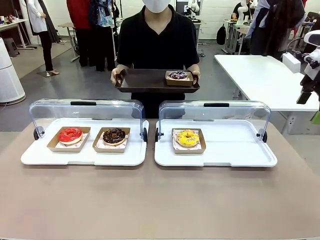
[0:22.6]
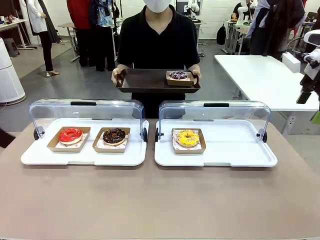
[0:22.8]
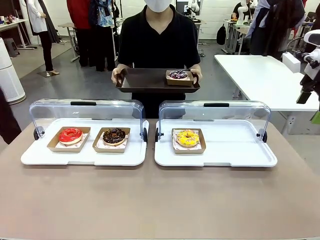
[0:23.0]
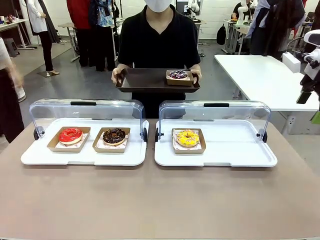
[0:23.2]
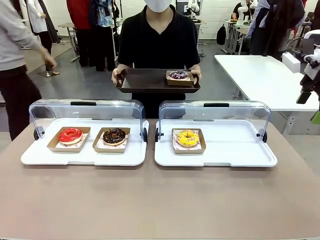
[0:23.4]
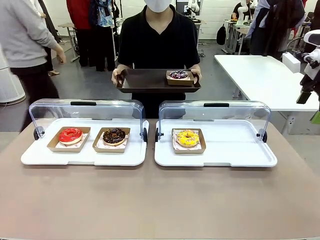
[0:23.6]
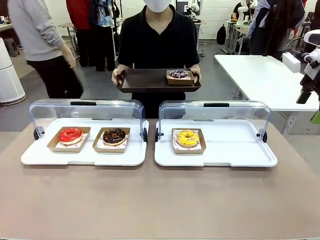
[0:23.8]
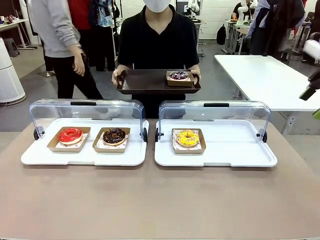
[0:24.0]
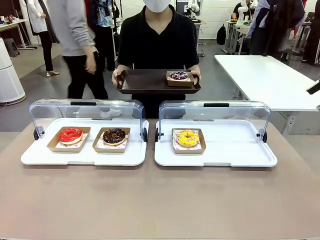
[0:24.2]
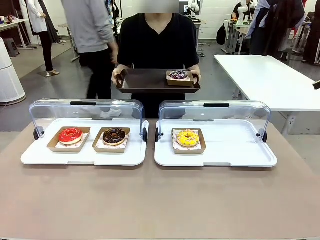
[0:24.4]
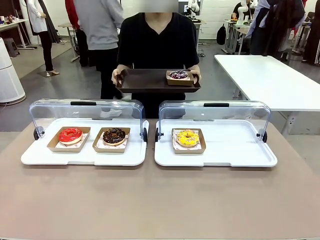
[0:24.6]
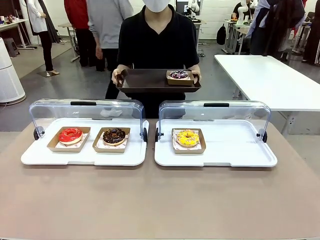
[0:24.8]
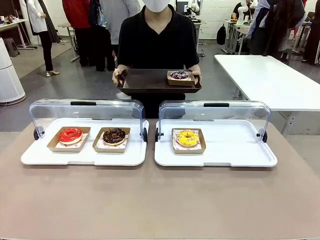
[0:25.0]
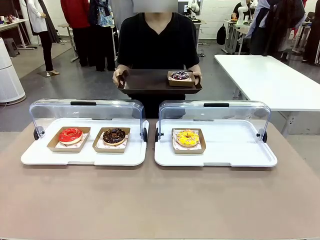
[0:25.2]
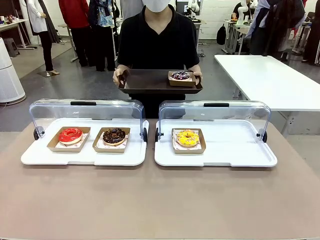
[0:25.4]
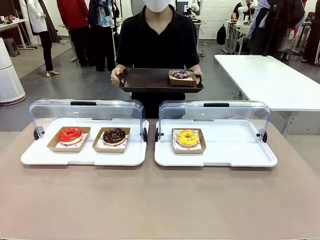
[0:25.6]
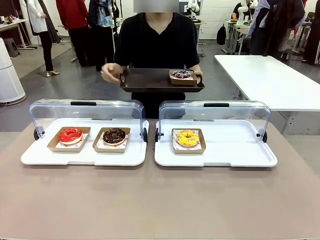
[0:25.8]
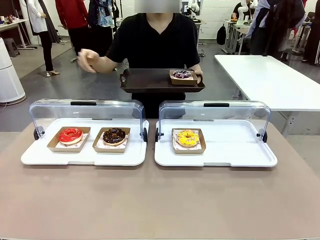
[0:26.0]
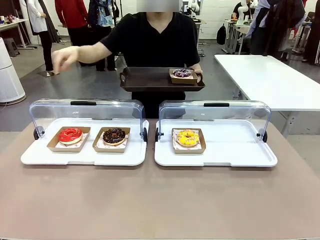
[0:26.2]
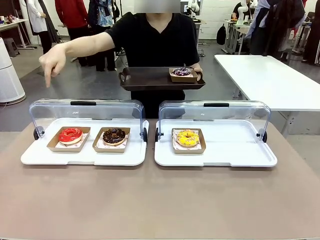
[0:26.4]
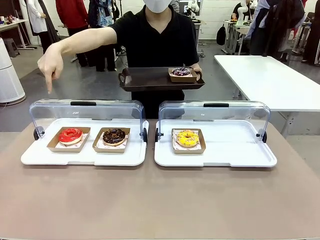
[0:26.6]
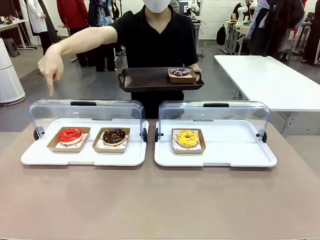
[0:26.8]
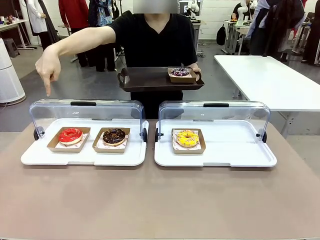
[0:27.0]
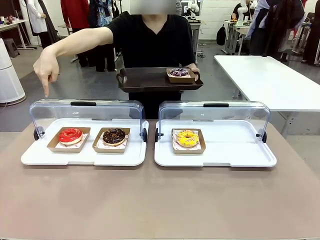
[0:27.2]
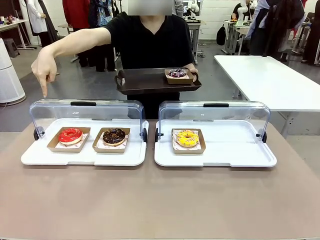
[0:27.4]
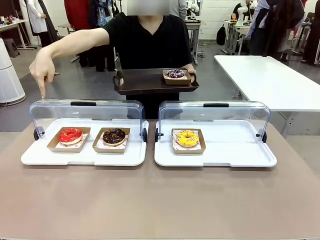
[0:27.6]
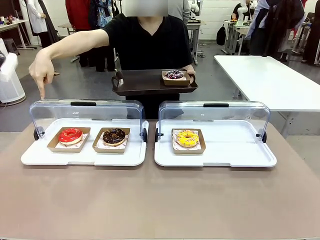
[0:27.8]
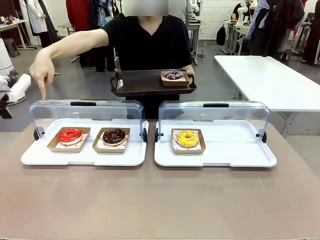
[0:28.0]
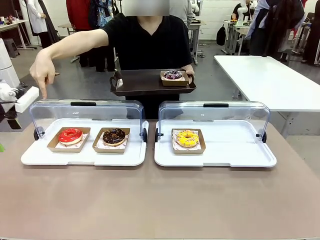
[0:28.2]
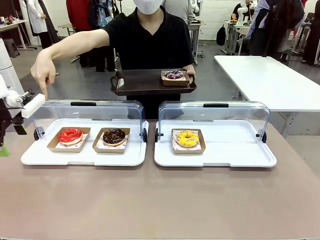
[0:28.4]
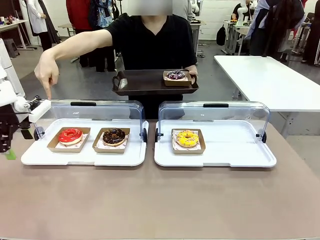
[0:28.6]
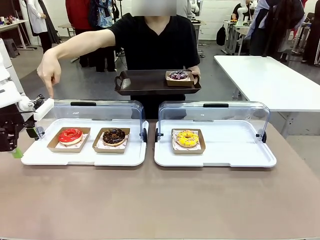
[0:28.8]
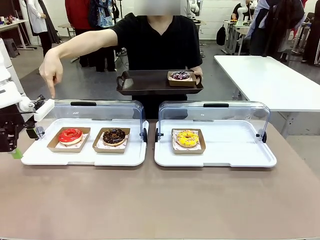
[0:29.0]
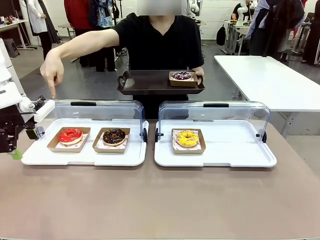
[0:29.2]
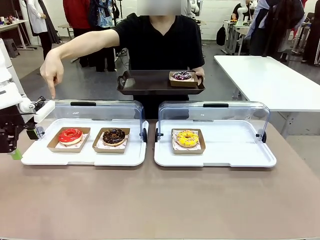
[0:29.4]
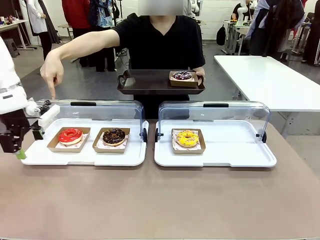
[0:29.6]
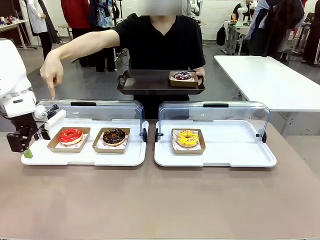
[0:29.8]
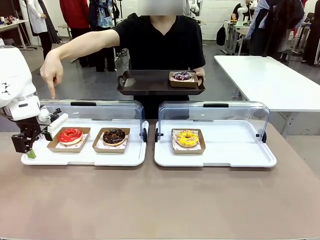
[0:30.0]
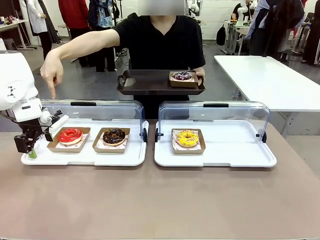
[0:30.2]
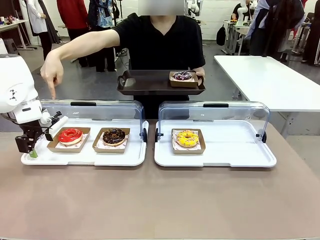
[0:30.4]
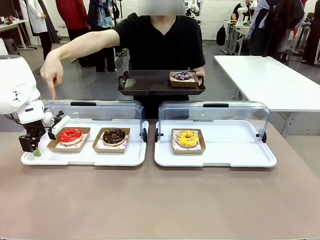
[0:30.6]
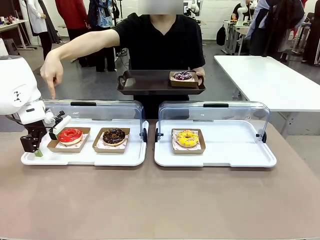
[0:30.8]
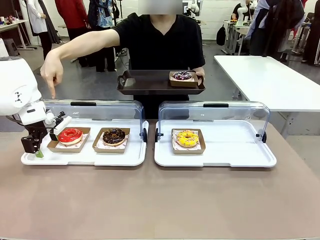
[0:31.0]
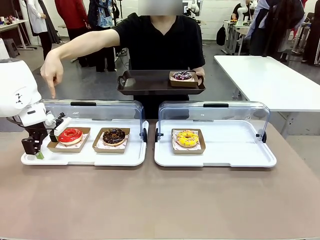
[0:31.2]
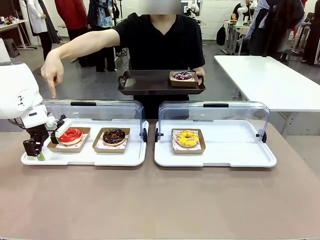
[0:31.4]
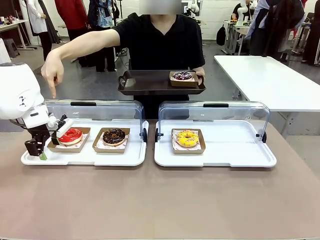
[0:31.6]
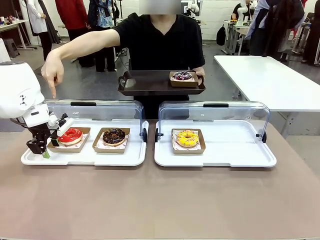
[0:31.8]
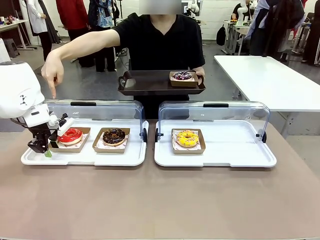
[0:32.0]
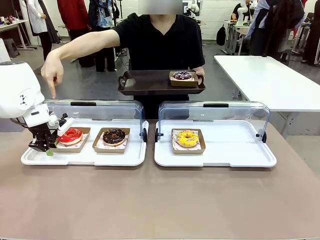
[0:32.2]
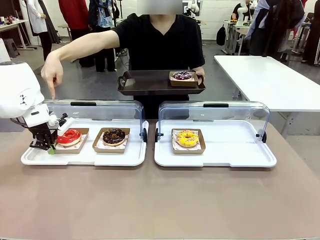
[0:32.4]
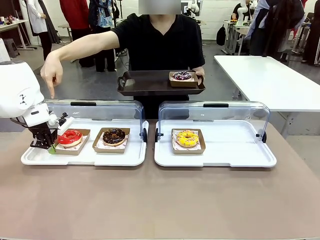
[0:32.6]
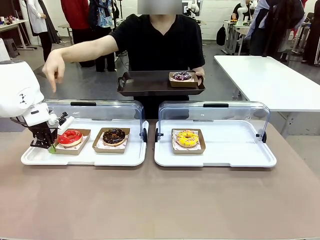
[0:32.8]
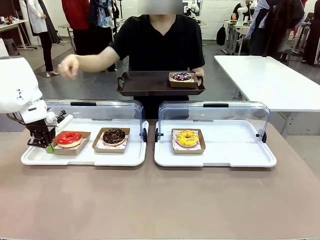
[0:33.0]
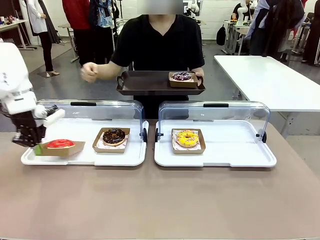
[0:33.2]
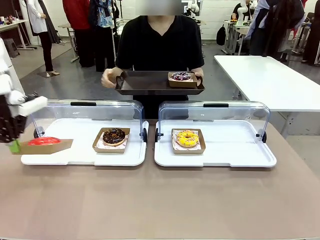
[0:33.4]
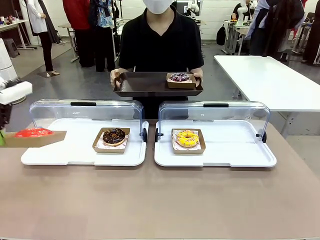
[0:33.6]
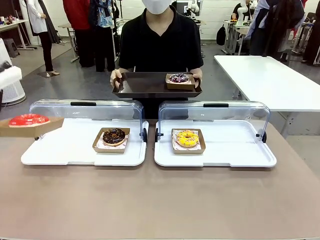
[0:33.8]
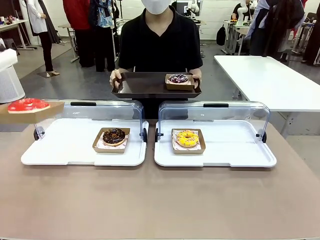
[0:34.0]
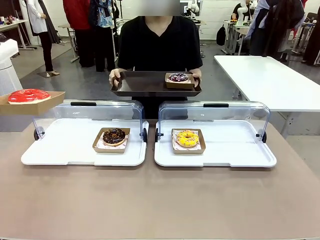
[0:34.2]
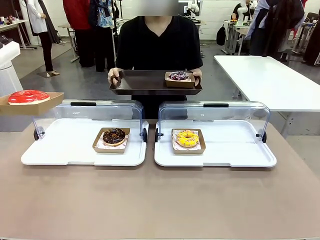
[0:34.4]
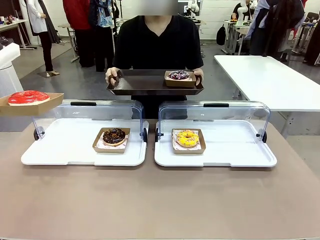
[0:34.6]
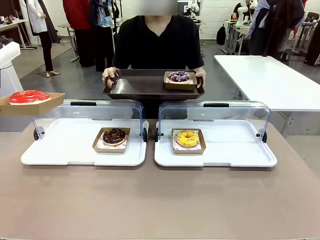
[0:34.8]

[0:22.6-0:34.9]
Task: Provide the desired donut to the person.
Robot: Pick up and lift the Paper togo box containing the Donut pointed at by the person.
Person: Point to one donut. Lift the tray onto the Roll-Top Bakery Case.

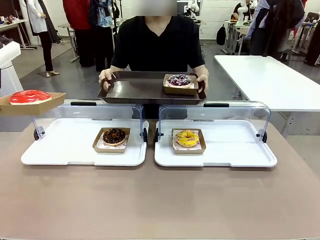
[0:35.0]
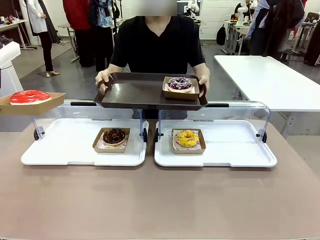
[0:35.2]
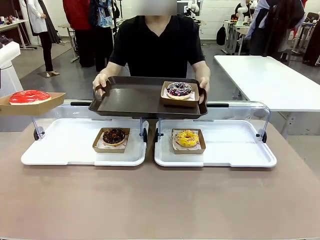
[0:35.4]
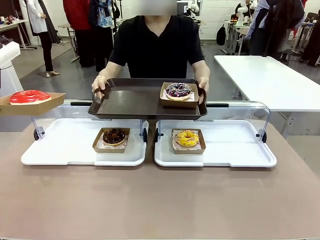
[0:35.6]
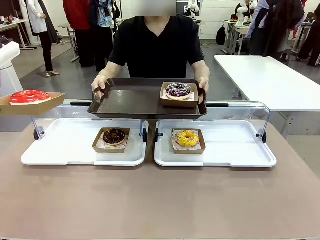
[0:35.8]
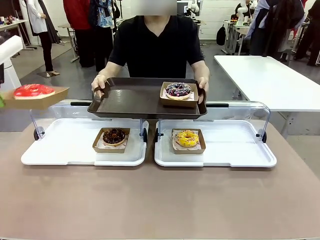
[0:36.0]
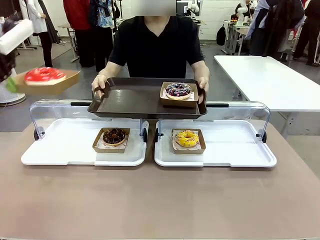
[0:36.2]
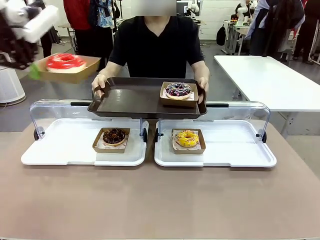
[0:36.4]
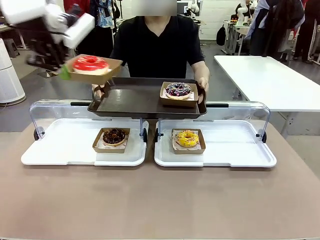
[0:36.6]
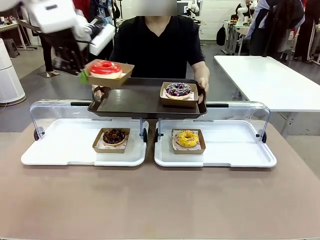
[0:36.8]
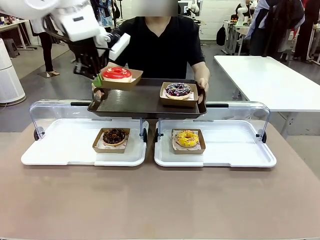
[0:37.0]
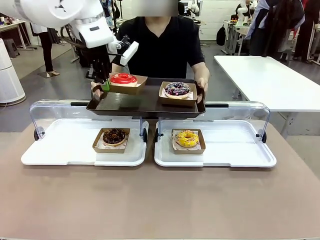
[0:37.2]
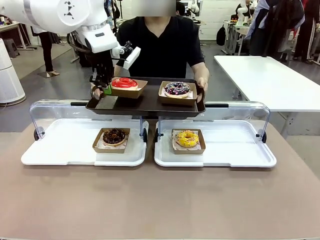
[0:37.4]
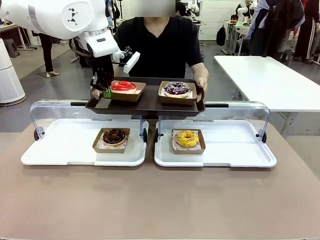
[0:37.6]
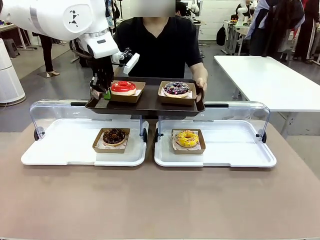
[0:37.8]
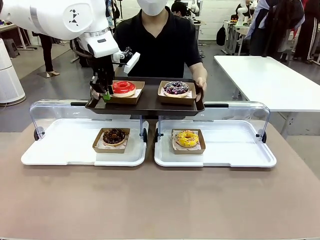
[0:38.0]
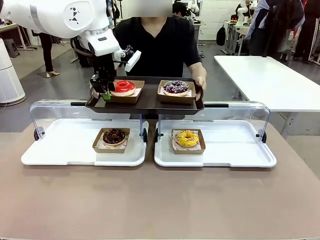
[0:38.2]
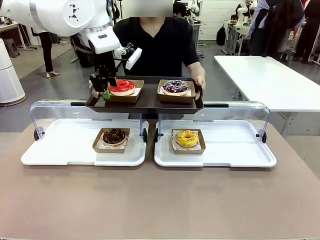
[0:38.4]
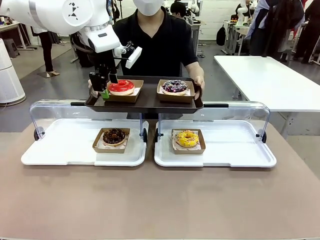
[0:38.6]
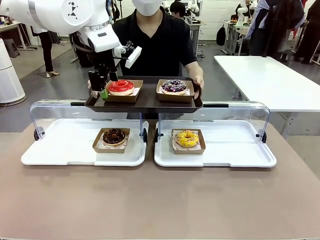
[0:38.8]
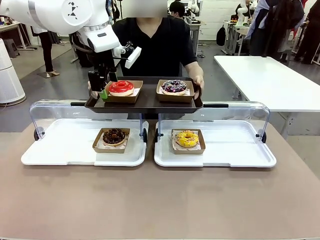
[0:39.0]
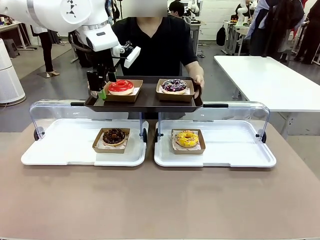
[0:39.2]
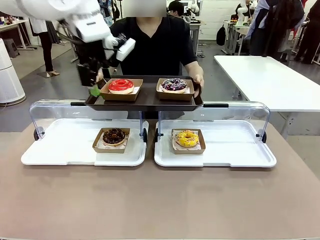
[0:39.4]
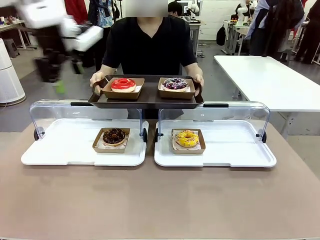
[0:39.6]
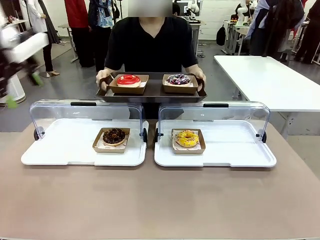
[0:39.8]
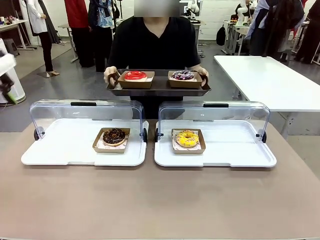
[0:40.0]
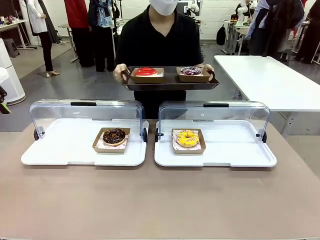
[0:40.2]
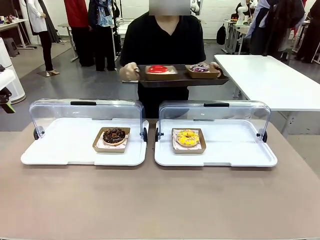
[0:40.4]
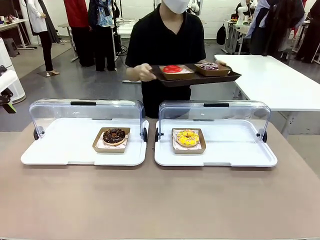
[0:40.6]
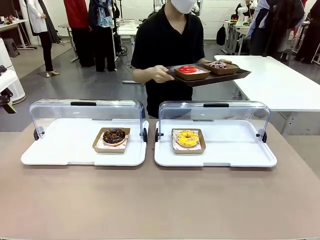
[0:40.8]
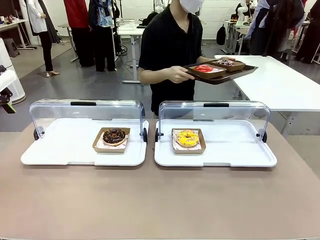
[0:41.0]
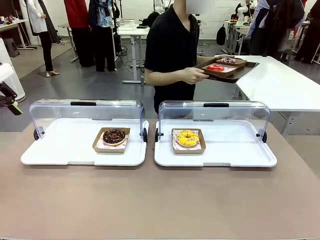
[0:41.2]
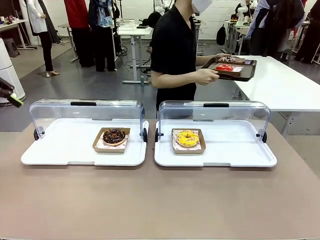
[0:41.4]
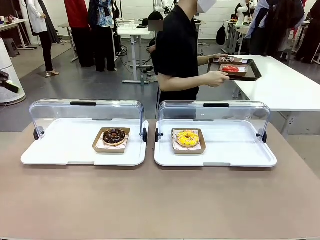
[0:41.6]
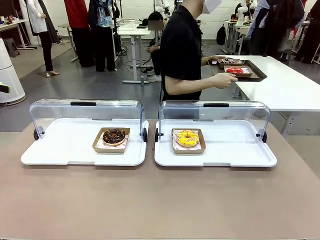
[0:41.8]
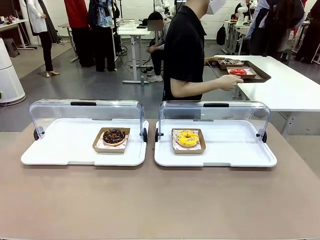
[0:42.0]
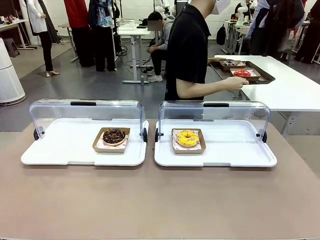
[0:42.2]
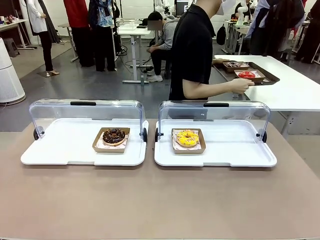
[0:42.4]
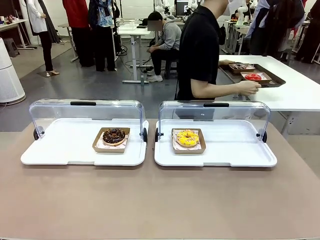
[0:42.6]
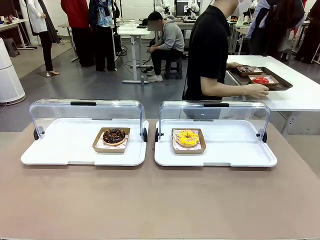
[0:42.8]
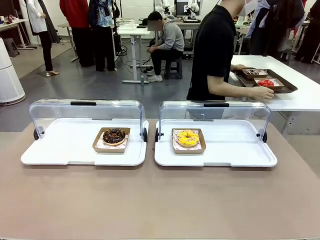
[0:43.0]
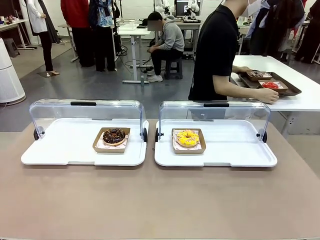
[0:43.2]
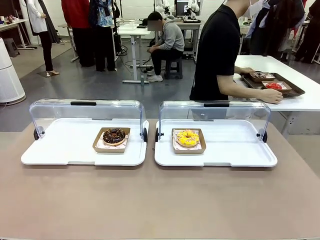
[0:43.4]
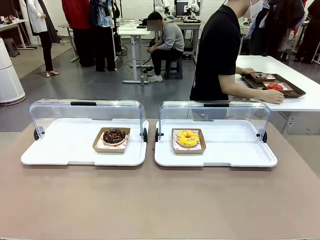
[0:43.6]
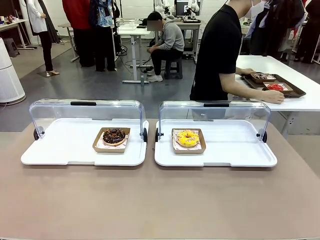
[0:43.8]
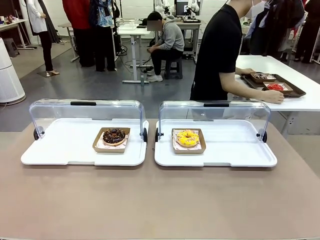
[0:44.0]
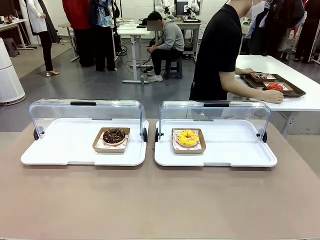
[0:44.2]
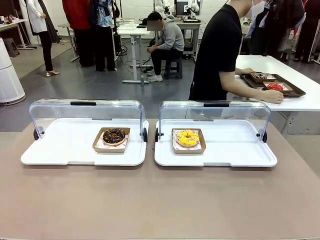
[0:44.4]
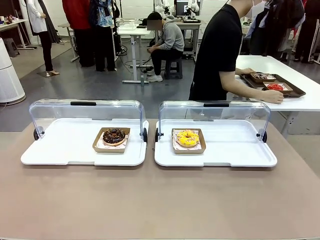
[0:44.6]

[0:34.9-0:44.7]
Robot: Place the picked Paper togo box onto the Handle tray extended by the person.
Person: Place the tray in the middle of the human table.
